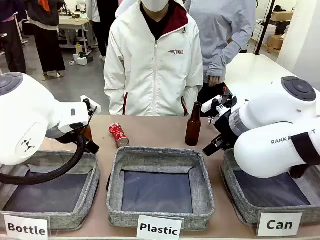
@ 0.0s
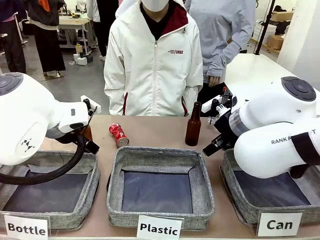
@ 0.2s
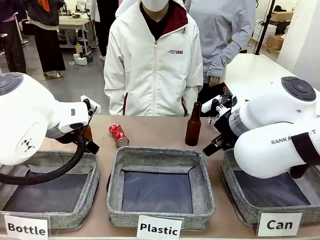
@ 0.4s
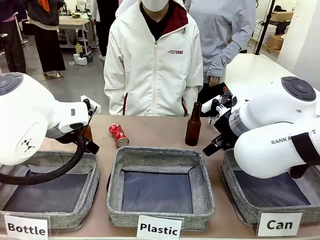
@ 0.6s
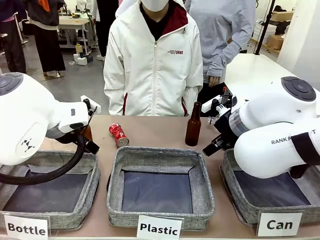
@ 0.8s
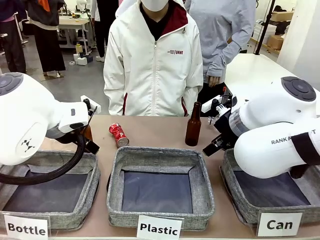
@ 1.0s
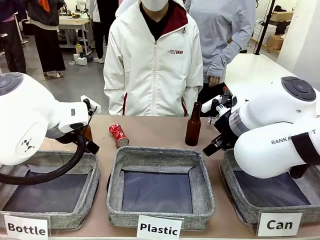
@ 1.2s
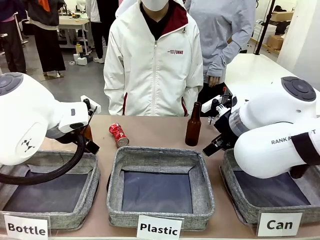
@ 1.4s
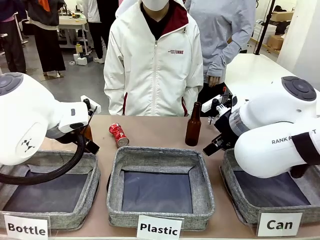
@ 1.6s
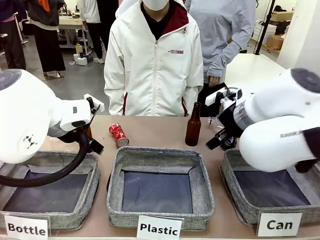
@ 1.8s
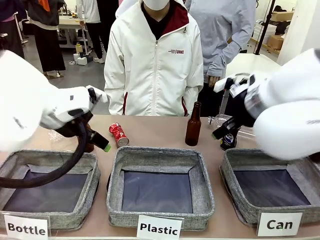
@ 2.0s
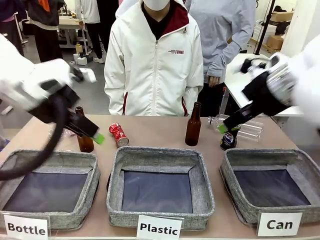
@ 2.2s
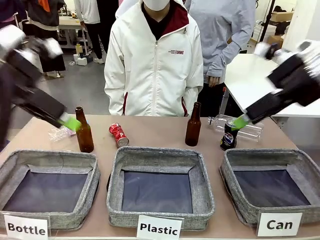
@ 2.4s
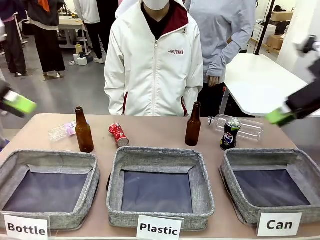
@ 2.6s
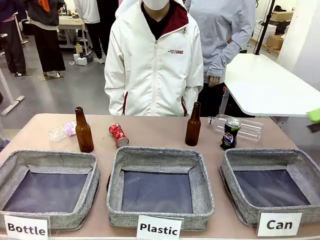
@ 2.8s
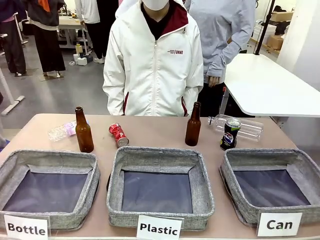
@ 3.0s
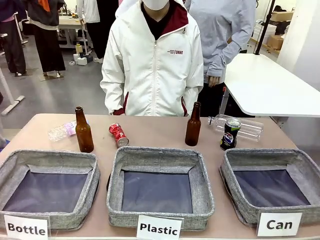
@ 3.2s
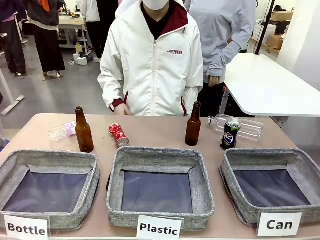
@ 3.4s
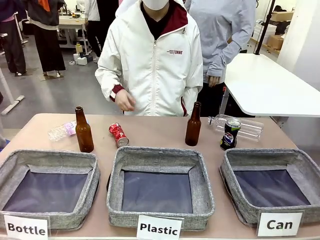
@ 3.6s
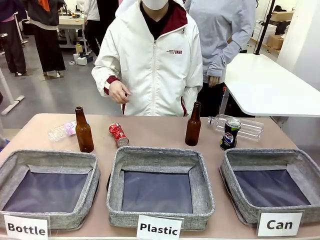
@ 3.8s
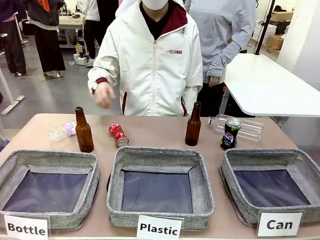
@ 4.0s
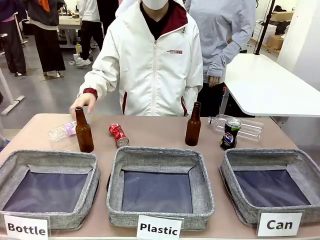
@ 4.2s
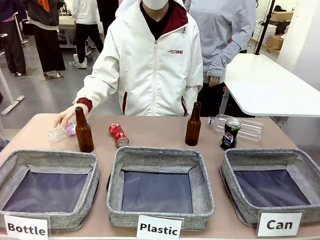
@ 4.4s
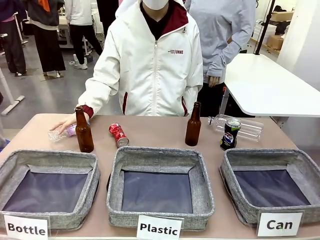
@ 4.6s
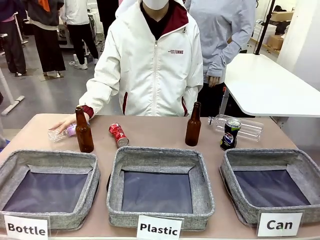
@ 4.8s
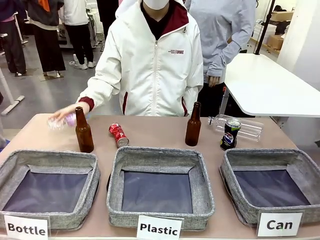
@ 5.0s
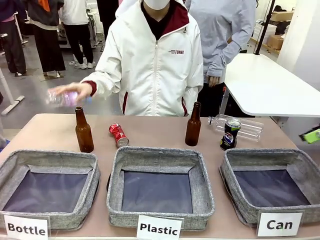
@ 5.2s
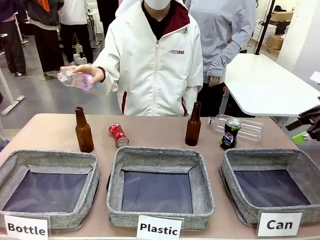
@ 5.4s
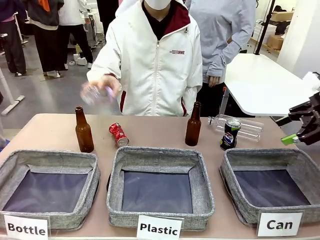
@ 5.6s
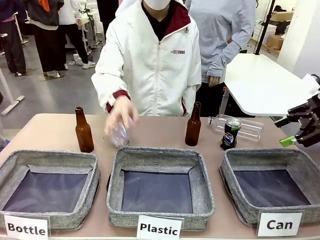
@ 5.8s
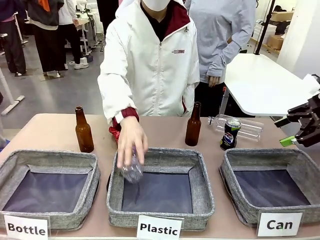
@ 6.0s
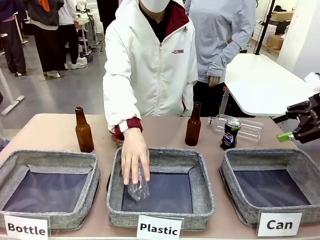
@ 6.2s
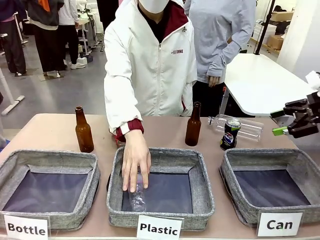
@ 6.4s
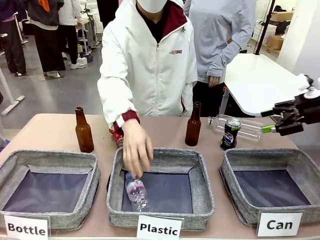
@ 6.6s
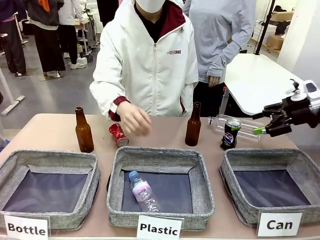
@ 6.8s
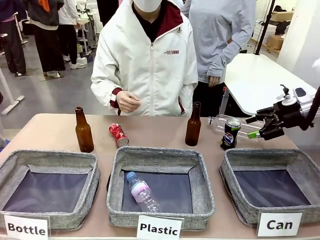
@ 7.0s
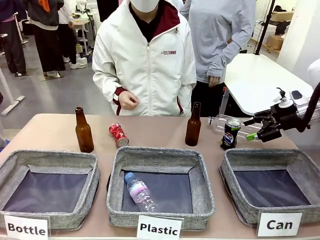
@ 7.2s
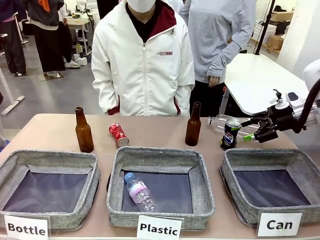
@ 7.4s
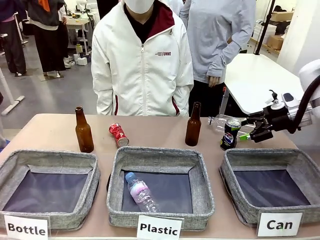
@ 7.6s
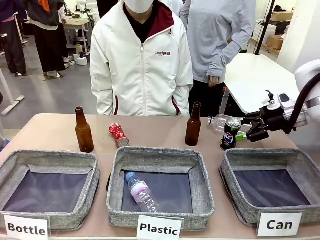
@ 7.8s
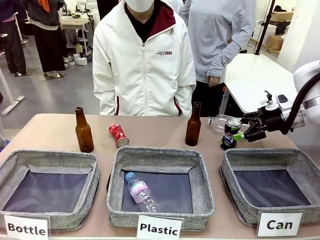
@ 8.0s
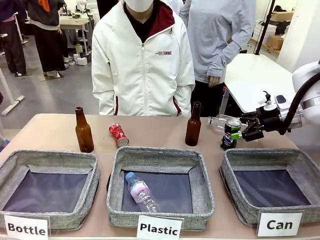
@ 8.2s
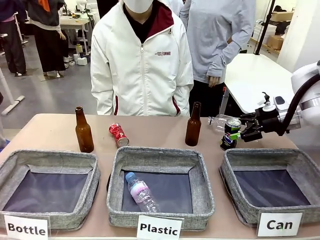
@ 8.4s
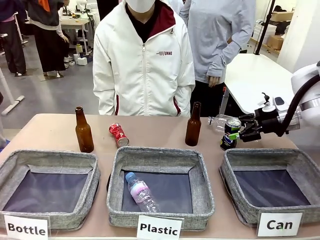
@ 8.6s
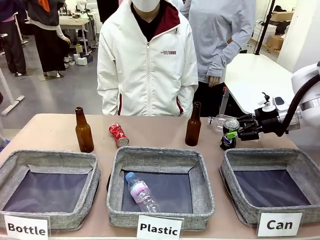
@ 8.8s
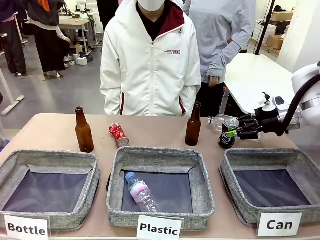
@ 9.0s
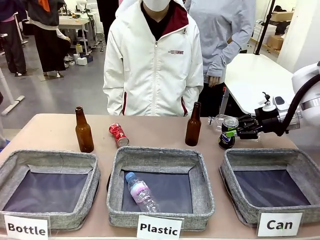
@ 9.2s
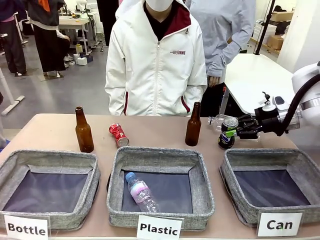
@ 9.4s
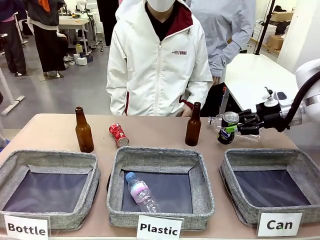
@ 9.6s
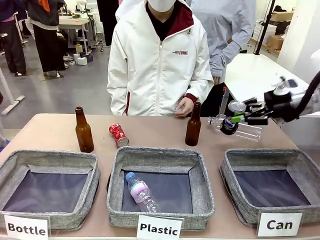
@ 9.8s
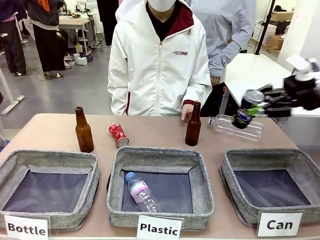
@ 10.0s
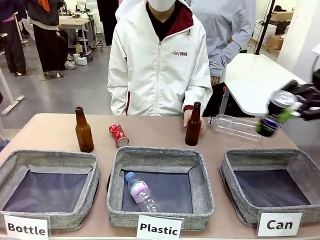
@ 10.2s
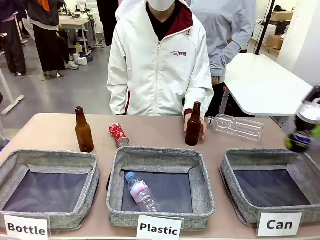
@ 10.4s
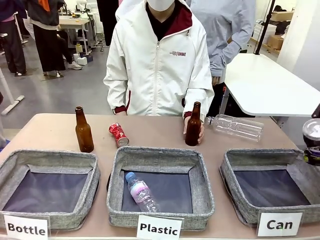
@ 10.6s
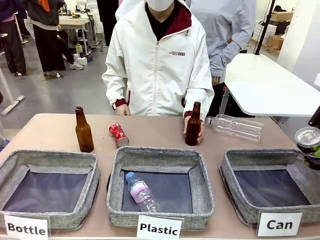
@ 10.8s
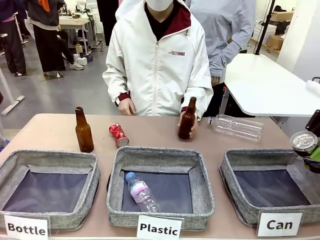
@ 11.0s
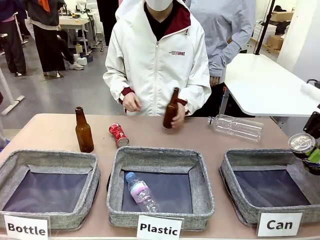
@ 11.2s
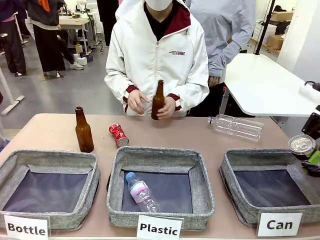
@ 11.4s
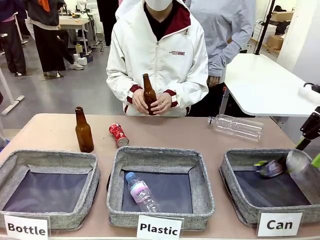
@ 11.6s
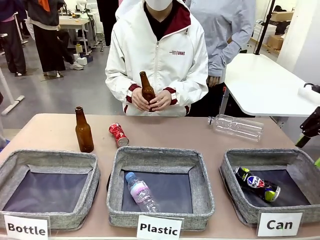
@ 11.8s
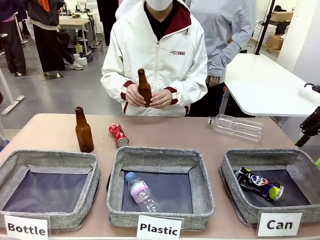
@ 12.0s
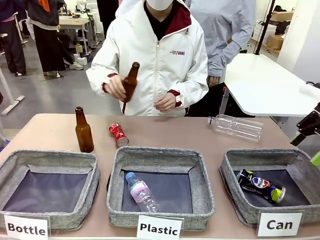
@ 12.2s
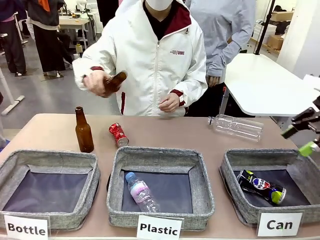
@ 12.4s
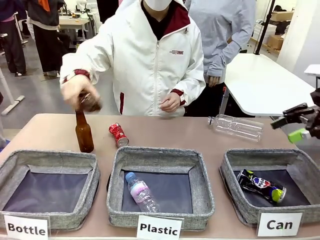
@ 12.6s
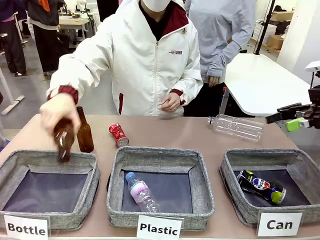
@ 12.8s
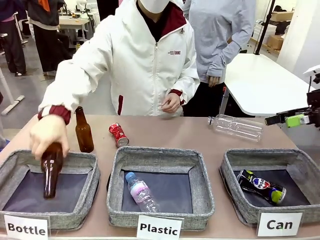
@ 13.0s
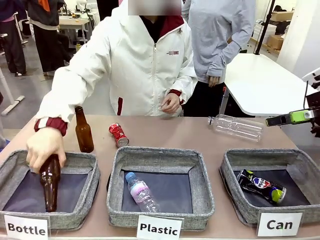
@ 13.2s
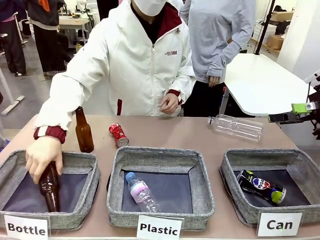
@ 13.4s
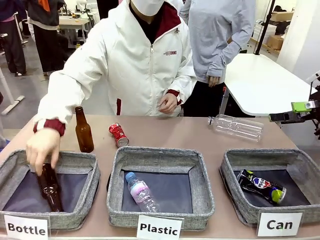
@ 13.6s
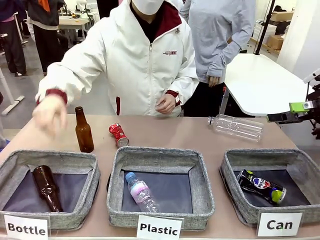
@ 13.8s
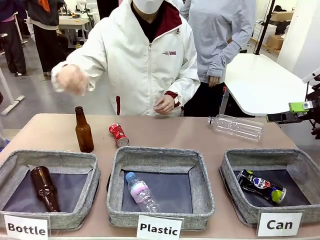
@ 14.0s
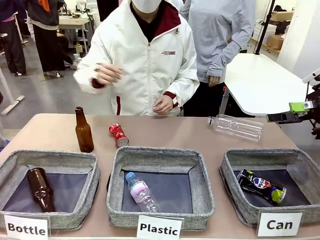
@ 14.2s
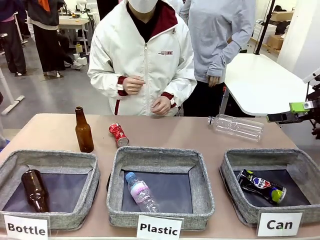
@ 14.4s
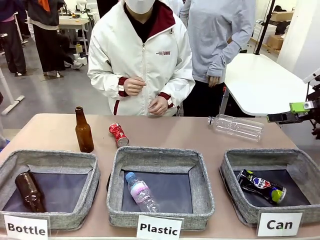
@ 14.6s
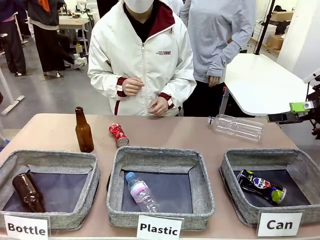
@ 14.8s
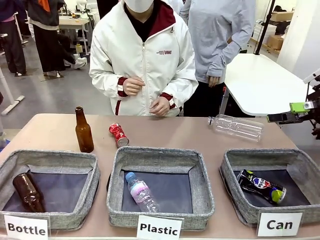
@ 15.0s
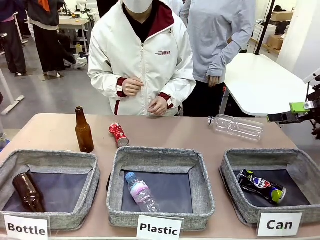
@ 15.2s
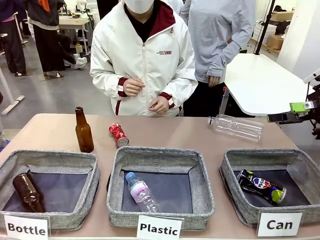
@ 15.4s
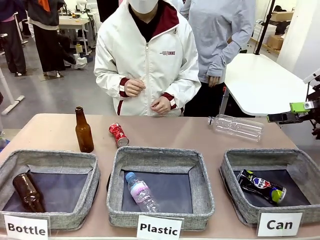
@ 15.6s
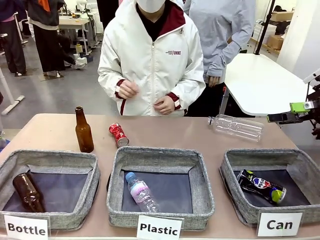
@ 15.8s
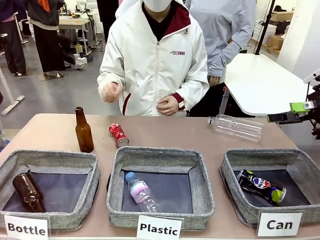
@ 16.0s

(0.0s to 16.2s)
Task: Sort the can waste into the basket.
Robot: Pick up the can waste from the table and place it in the right Fabric basket.

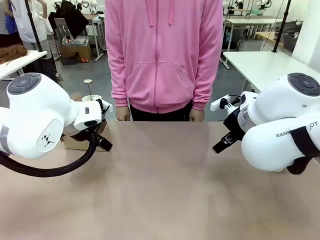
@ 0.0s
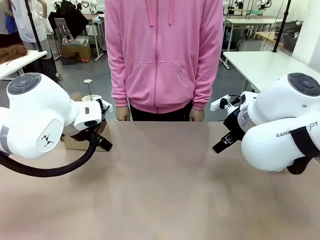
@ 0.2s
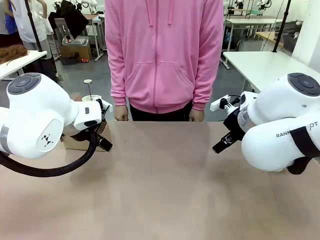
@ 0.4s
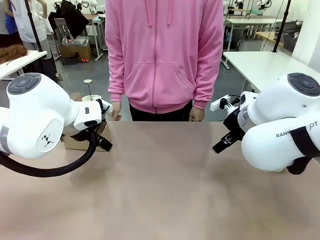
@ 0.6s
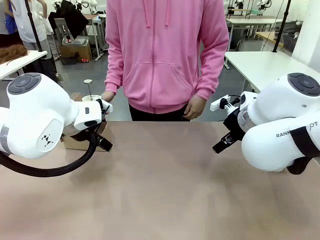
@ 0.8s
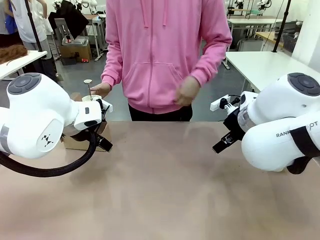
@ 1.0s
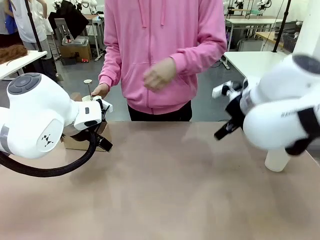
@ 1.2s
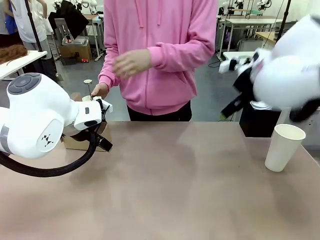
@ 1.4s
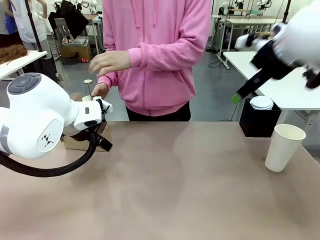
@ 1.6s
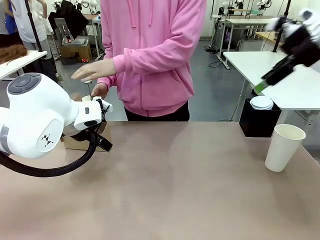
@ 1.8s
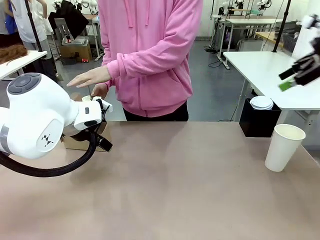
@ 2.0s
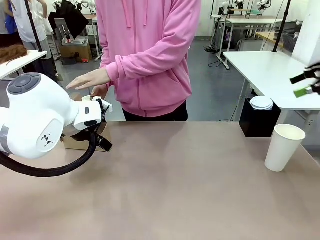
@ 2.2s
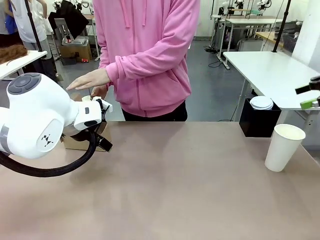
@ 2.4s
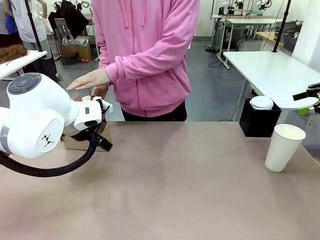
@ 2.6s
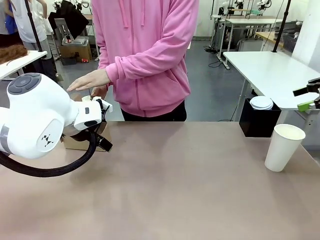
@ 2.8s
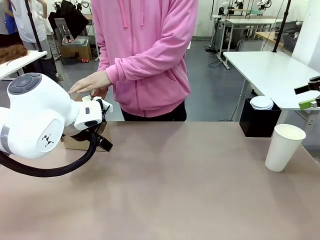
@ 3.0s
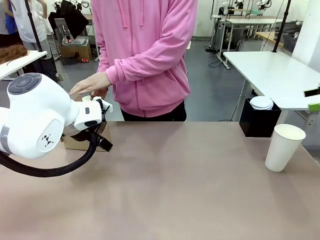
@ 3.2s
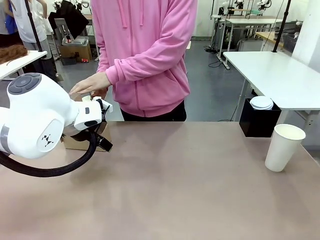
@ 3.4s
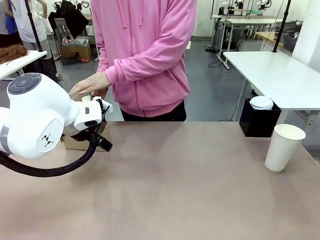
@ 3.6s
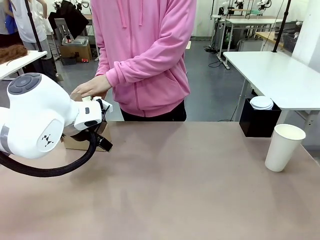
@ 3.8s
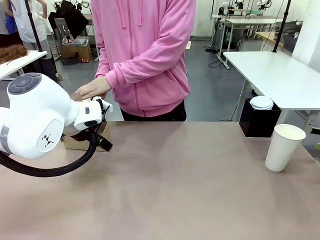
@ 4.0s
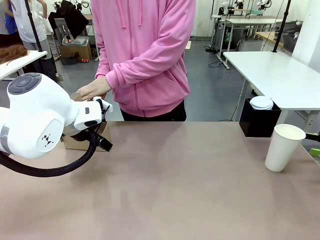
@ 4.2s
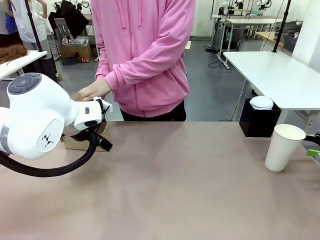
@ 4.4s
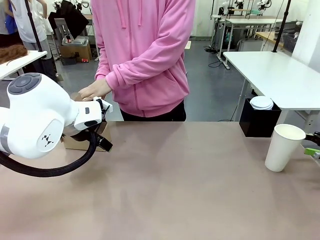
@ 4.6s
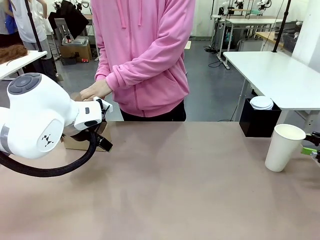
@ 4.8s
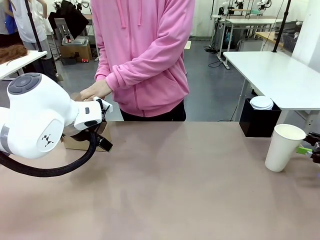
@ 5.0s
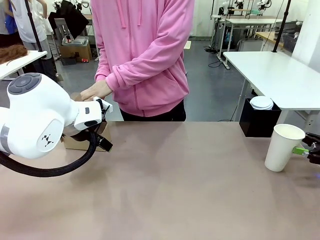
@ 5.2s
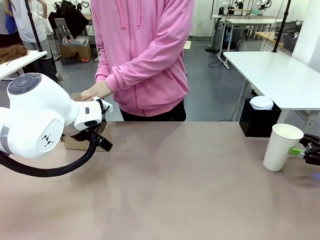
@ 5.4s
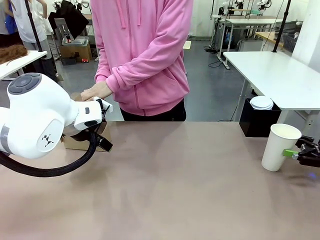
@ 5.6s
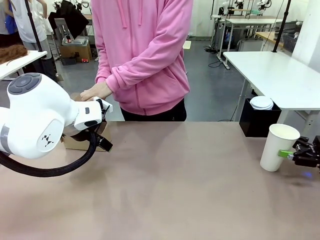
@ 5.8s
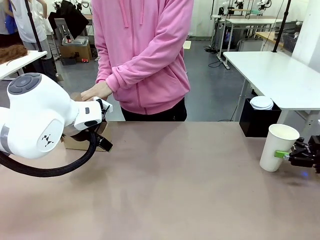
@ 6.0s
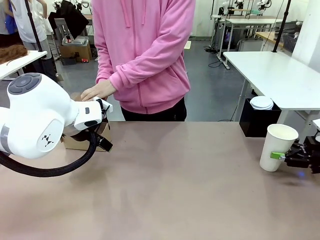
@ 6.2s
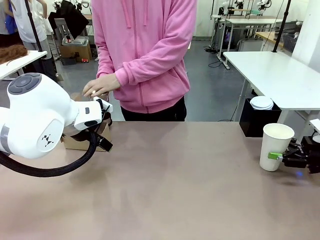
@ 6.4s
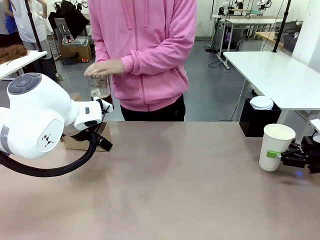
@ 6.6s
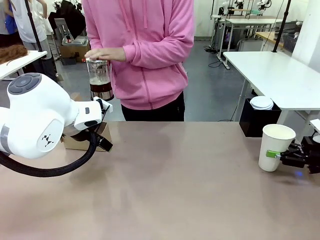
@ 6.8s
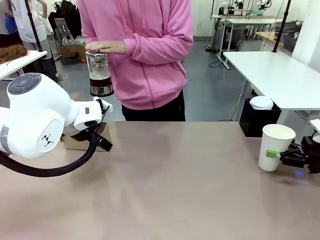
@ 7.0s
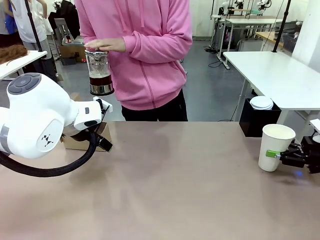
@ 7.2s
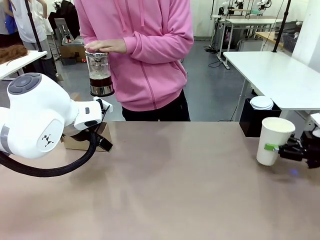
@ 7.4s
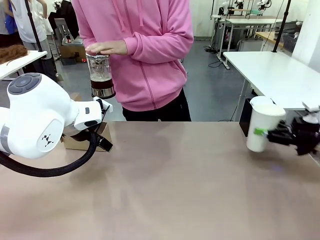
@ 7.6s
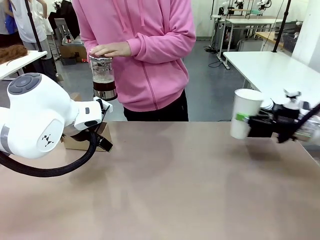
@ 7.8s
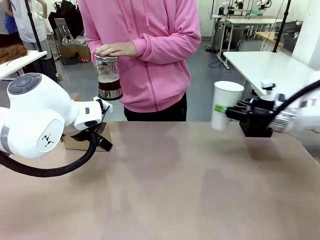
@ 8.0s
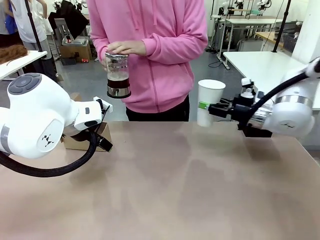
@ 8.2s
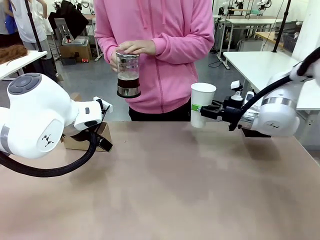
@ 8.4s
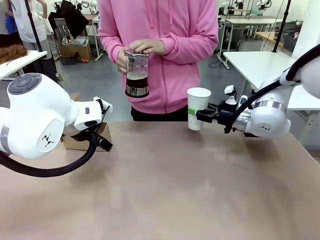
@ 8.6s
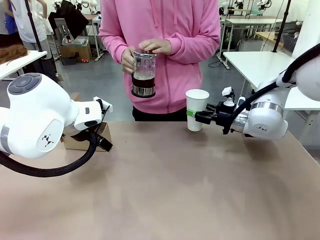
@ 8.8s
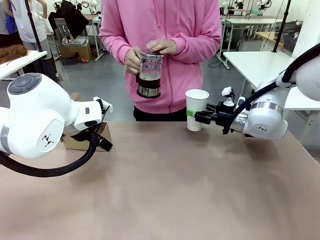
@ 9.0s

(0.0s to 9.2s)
Task: Pour a drink into a cup and package it in a carrier.
Robot: Pick up the 600 ml Paper Cup and place it in the middle top area of the table.
Person: Press and pick up the Filter Brewing.
